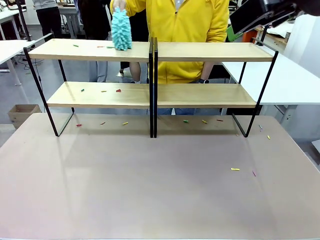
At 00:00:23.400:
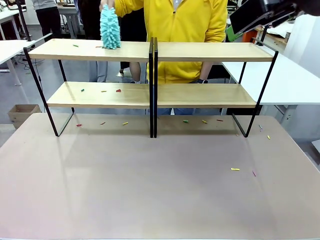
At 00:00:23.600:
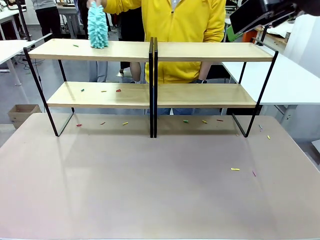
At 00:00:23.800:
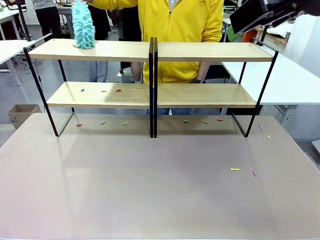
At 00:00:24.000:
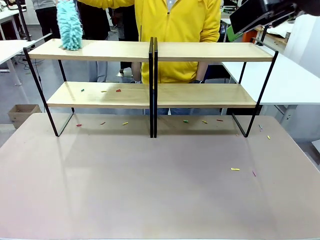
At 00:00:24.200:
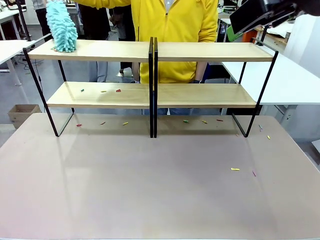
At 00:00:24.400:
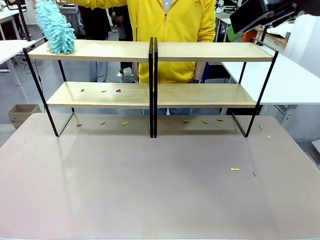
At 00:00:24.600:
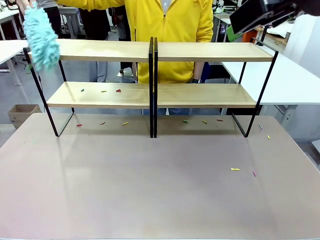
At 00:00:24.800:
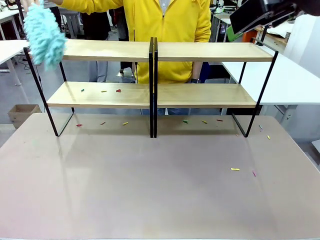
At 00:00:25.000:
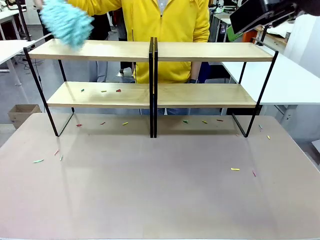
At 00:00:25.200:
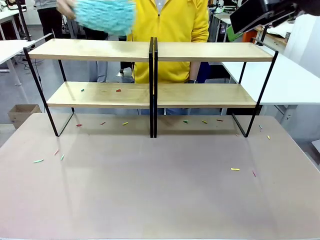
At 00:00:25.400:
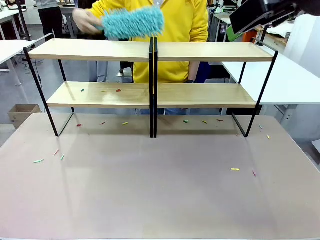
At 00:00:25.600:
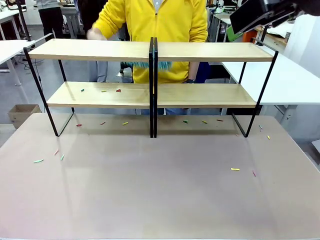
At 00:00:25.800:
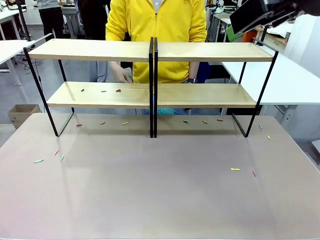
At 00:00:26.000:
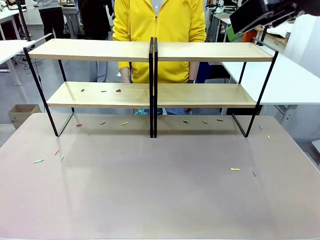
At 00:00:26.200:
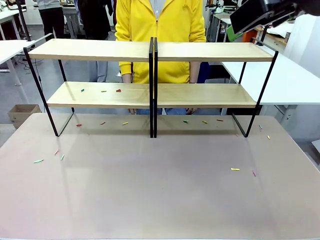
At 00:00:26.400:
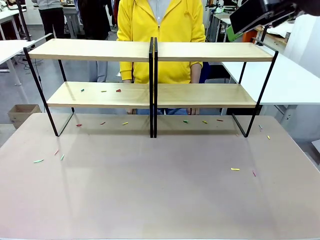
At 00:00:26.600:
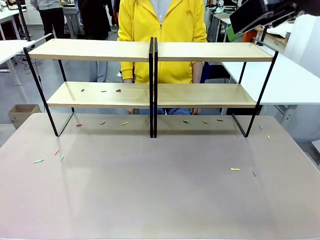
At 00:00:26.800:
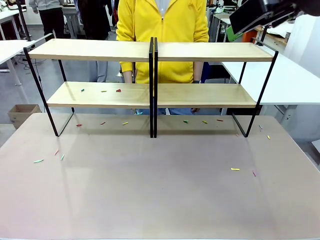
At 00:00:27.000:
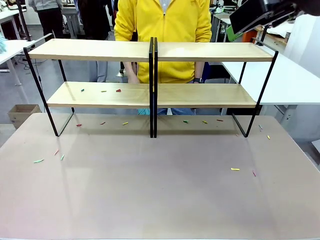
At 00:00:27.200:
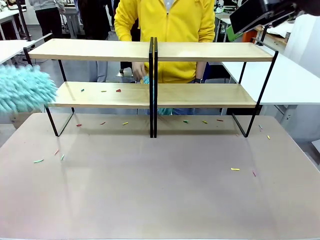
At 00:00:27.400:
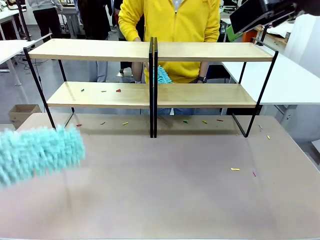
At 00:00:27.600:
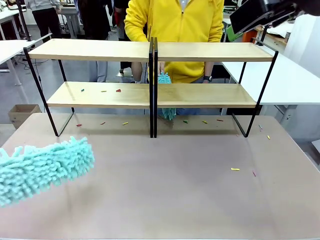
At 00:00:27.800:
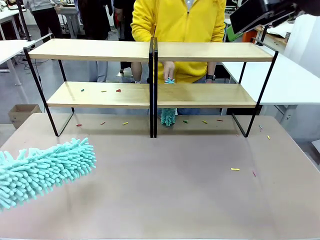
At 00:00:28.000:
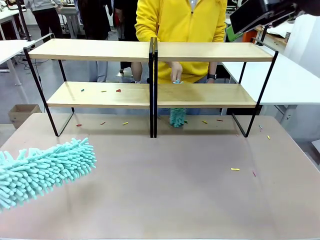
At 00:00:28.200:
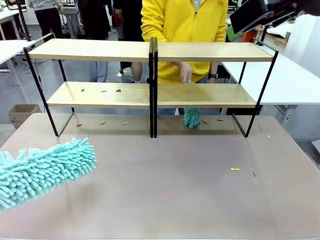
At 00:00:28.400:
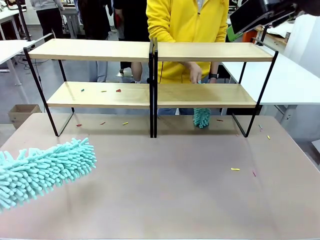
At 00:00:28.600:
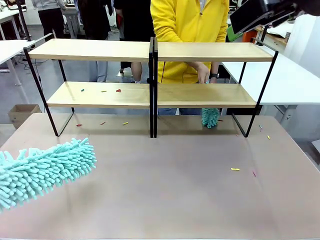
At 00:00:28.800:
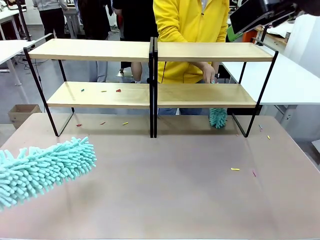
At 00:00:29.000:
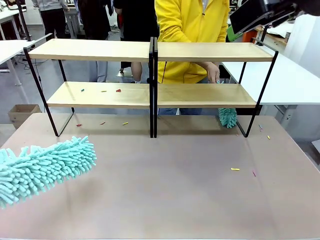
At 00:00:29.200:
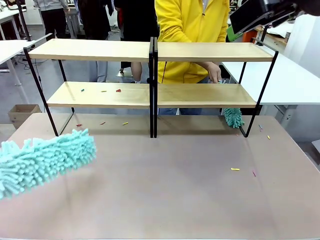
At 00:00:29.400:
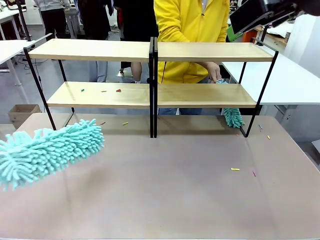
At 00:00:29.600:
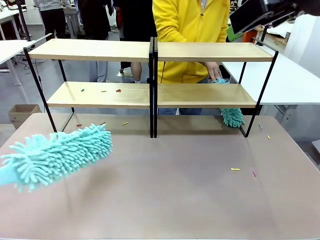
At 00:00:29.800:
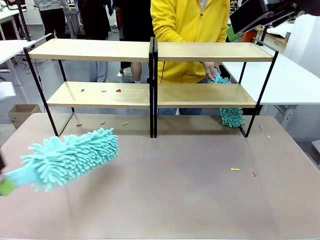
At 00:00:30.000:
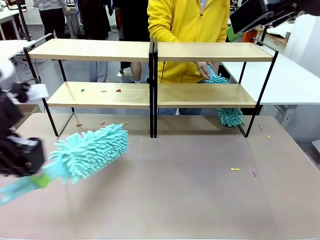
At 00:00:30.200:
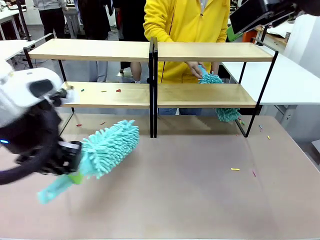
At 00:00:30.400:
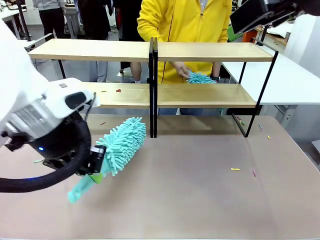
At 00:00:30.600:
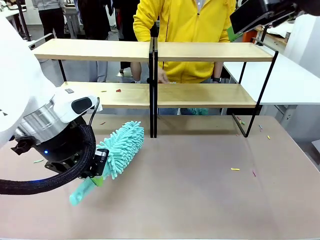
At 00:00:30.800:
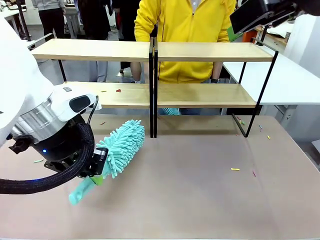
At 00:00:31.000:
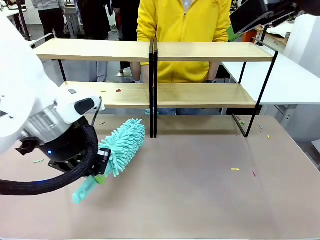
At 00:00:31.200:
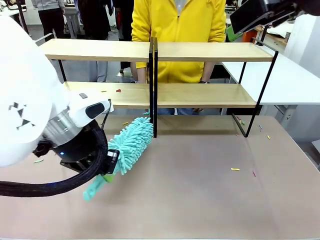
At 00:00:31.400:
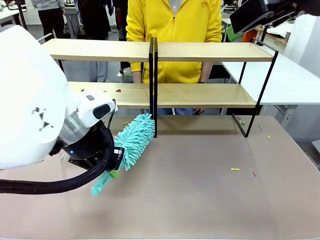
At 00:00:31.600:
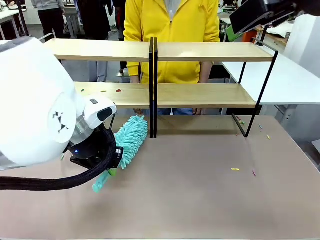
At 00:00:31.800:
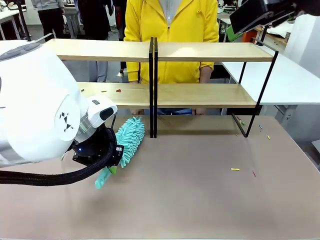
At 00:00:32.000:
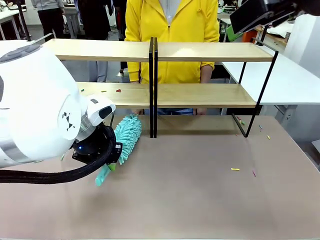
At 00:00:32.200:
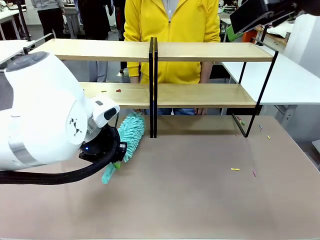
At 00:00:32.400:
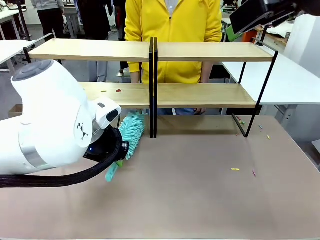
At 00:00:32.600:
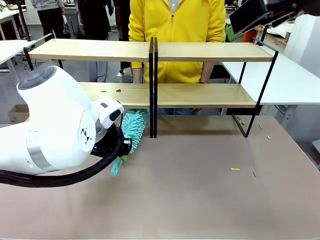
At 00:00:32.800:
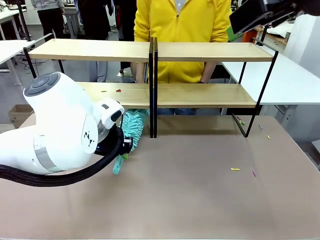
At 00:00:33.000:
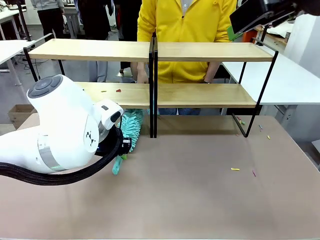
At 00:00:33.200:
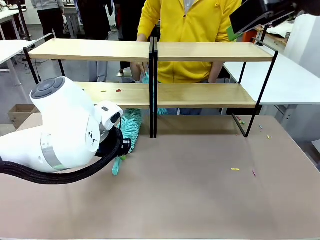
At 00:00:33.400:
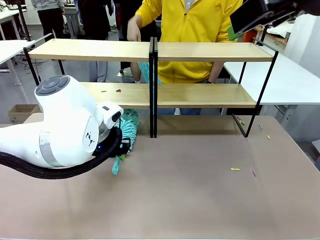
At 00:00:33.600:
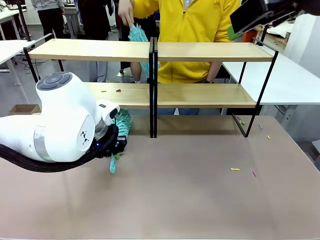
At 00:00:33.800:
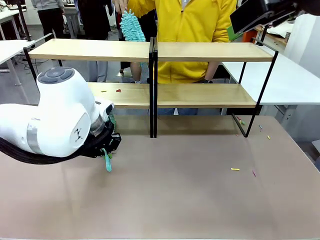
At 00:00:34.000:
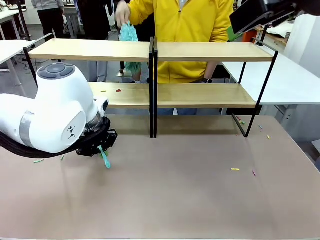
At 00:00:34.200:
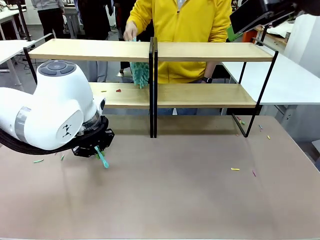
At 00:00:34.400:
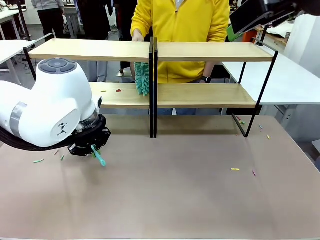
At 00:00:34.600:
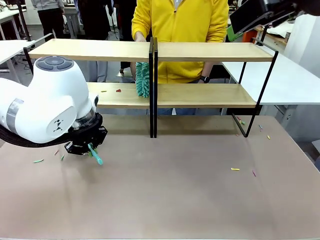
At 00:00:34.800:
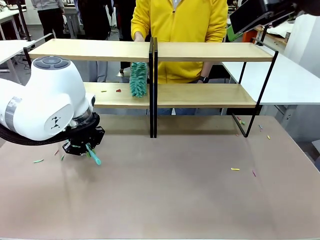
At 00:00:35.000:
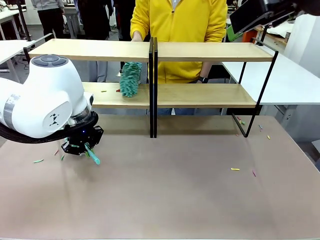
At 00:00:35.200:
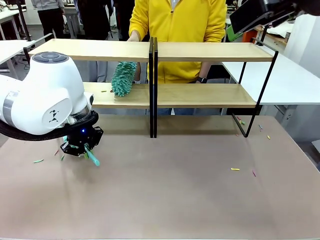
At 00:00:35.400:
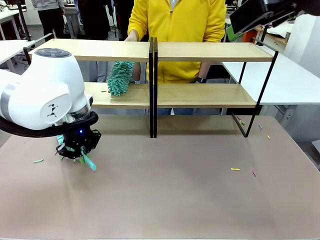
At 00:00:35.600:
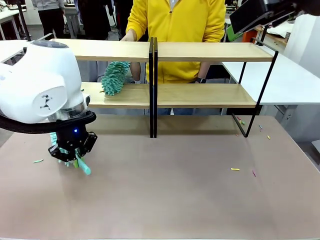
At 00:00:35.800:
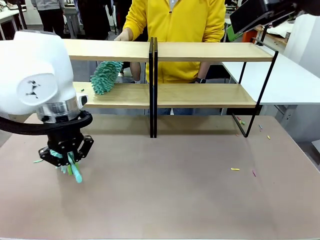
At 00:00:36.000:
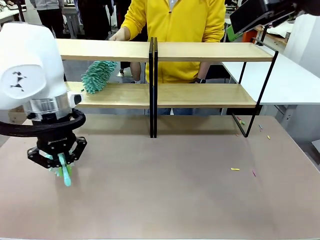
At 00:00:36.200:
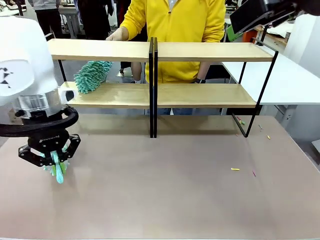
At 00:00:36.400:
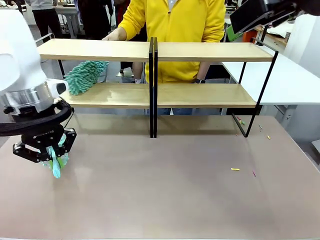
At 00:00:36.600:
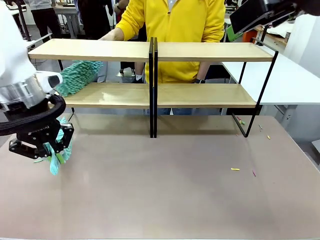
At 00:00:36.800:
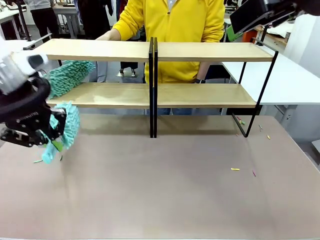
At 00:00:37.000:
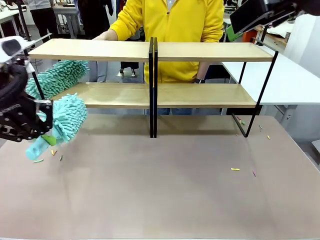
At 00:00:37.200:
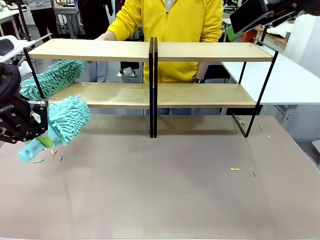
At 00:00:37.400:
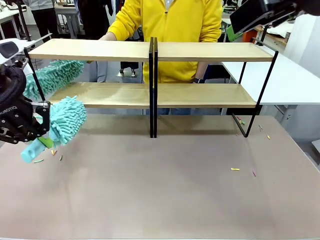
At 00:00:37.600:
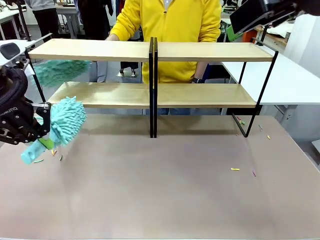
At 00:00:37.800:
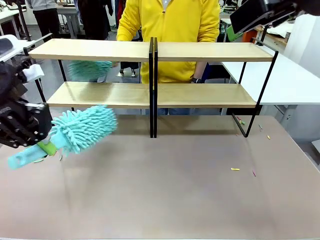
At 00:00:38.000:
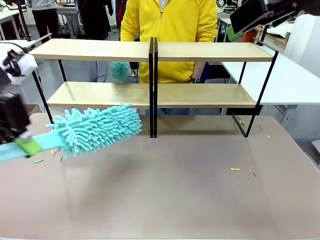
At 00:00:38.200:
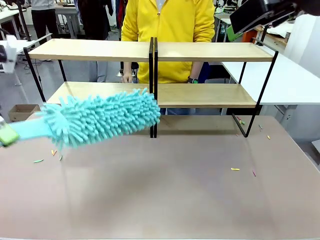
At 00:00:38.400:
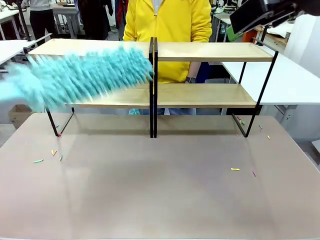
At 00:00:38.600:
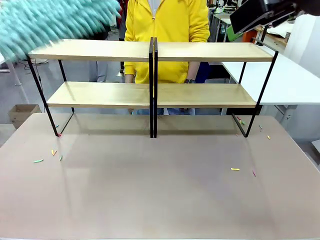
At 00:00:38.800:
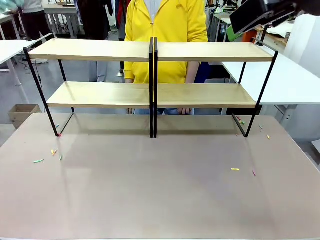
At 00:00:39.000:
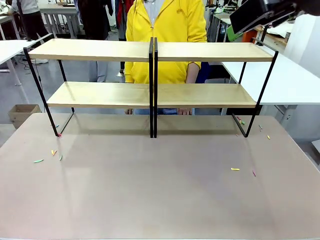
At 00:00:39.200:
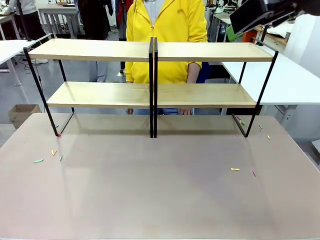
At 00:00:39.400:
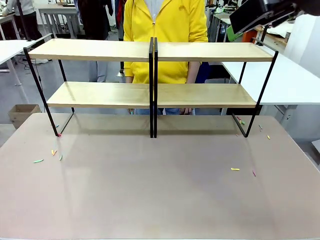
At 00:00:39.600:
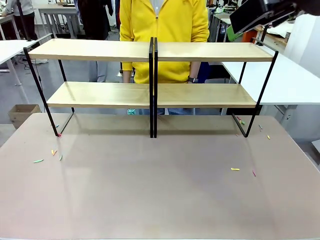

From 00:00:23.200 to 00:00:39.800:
Task: Clean the shelves.
Robot: Clean another randomly selected level of the Shelf with the Duster.

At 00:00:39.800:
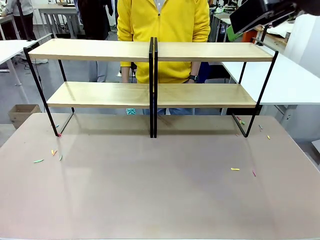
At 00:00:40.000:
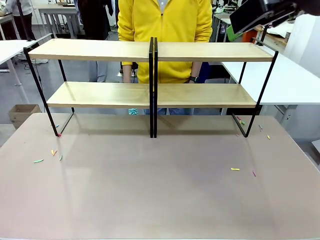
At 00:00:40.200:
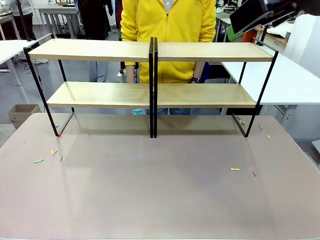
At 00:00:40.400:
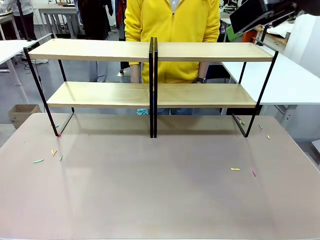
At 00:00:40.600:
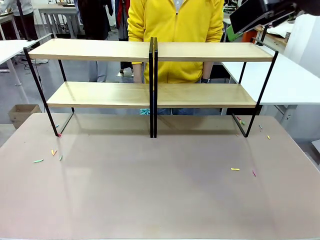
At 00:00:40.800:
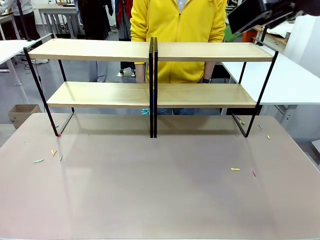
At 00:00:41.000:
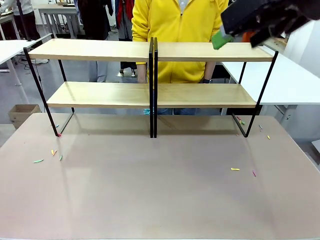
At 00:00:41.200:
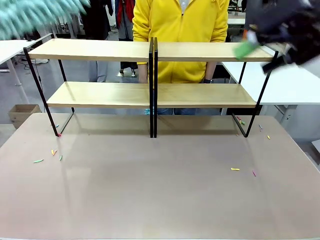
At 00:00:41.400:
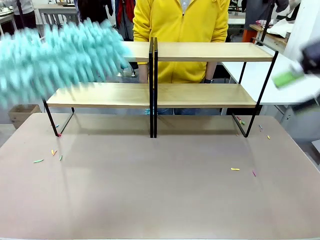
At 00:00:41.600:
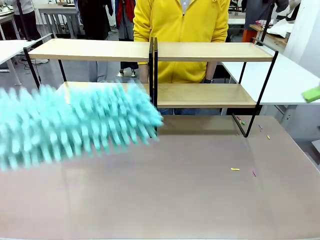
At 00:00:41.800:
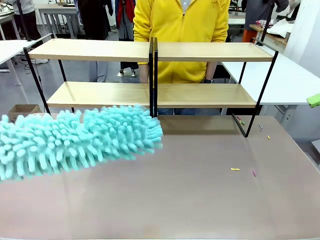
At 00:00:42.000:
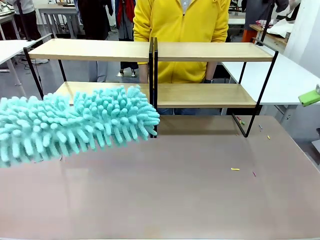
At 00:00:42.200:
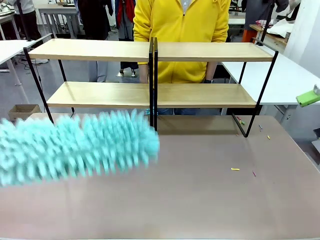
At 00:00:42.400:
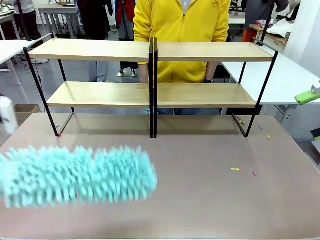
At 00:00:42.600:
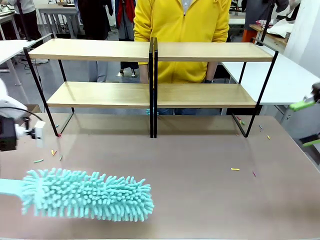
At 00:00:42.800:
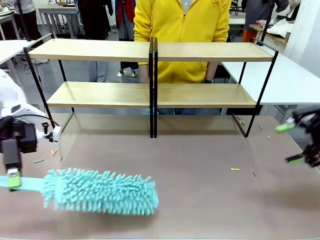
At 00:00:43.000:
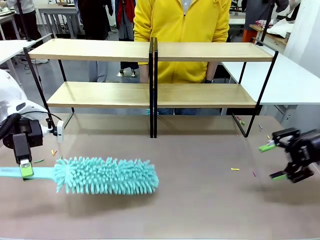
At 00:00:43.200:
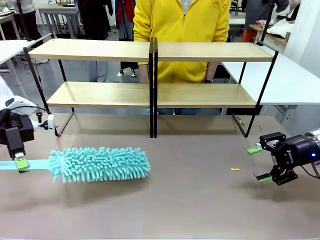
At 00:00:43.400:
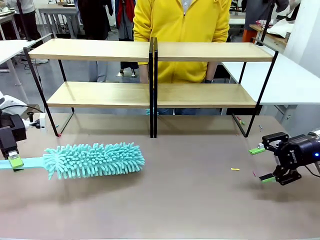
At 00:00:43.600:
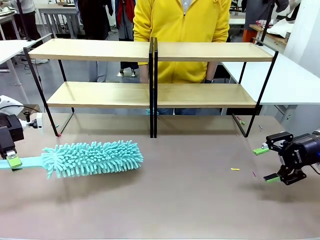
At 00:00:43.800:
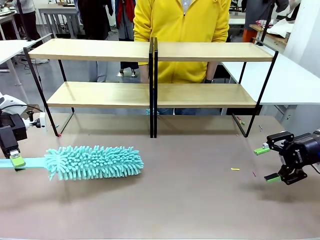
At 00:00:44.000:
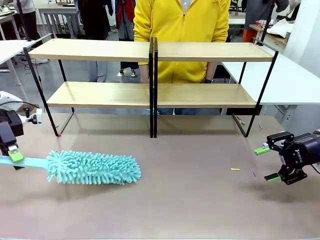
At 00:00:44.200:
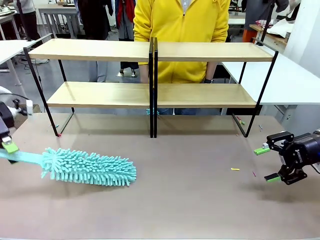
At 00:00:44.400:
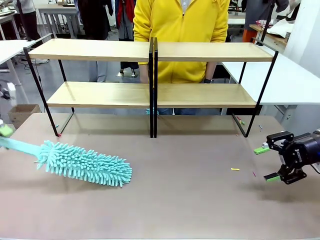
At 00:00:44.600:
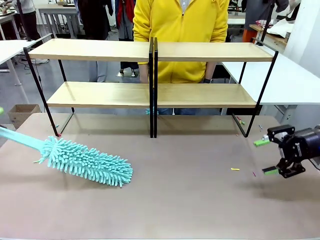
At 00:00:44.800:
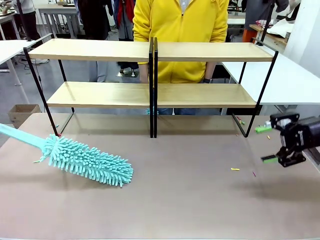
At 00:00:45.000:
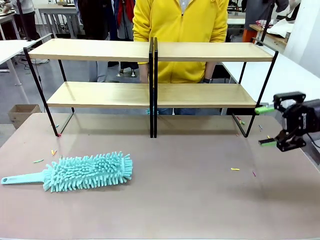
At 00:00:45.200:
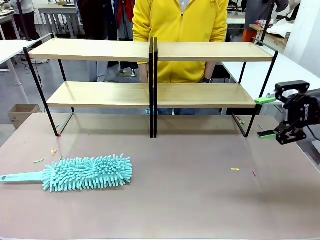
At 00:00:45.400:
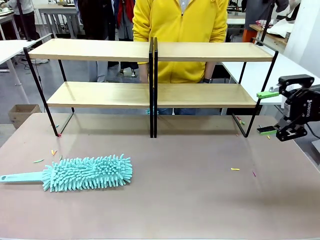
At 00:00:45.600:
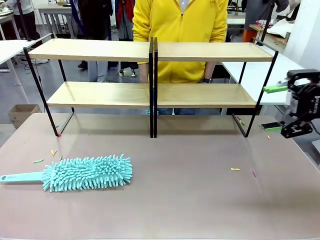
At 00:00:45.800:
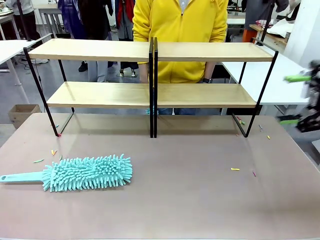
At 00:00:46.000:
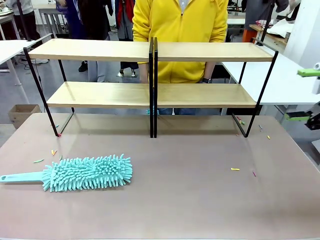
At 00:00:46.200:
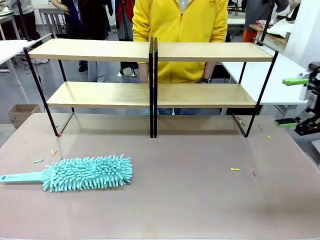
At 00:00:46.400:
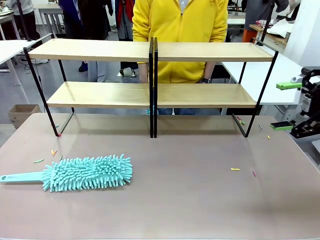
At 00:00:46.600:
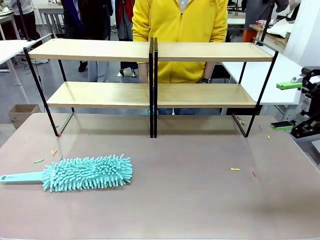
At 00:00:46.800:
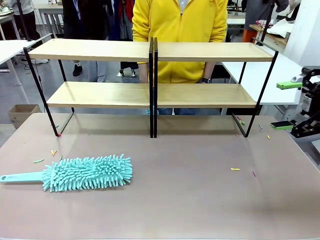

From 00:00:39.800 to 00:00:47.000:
Robot: Place the Duster on the table.
